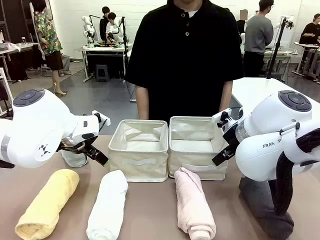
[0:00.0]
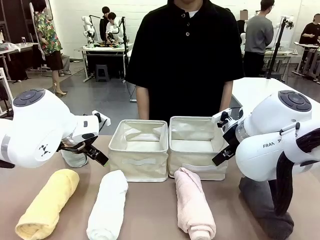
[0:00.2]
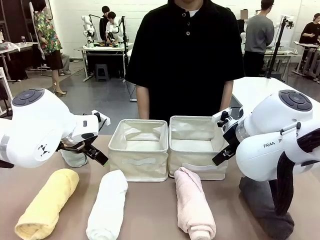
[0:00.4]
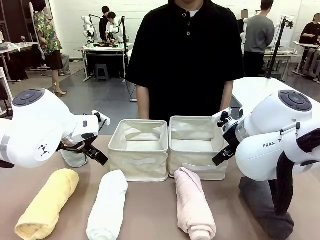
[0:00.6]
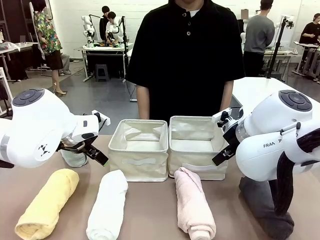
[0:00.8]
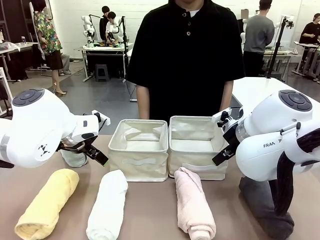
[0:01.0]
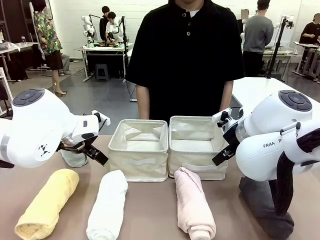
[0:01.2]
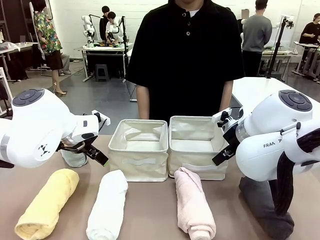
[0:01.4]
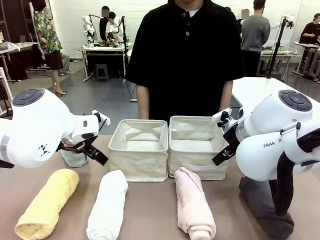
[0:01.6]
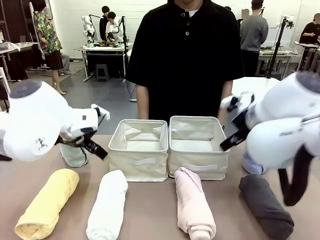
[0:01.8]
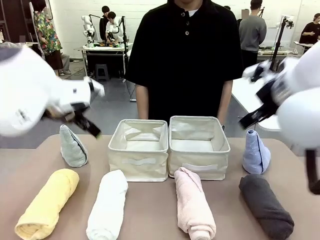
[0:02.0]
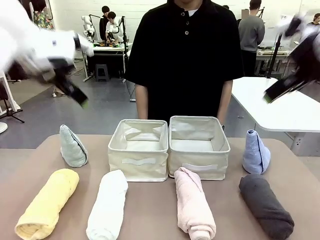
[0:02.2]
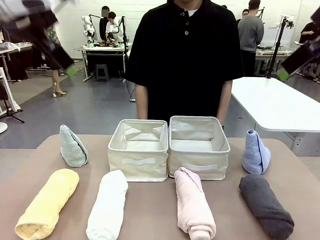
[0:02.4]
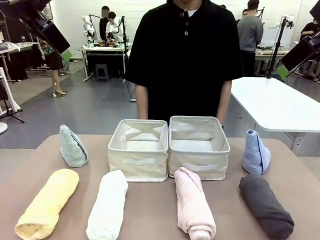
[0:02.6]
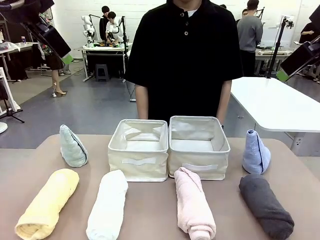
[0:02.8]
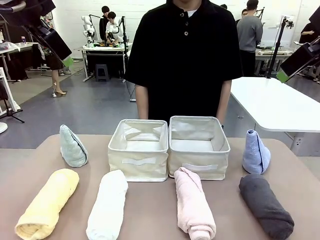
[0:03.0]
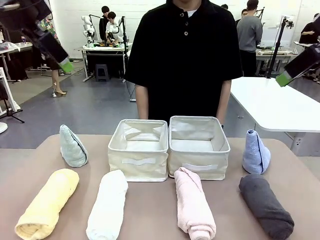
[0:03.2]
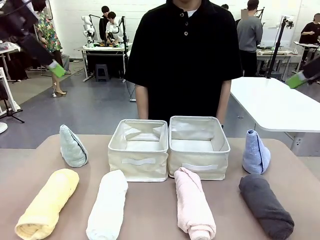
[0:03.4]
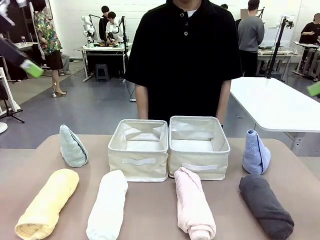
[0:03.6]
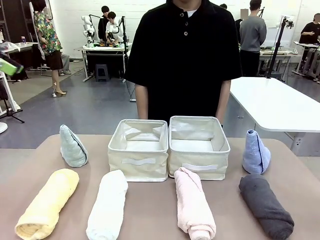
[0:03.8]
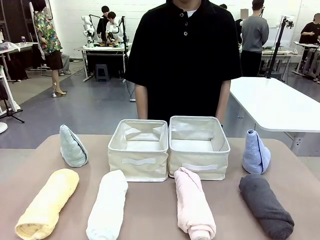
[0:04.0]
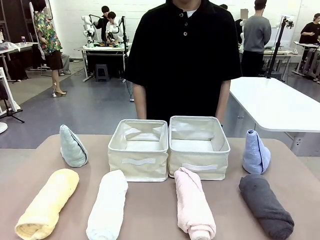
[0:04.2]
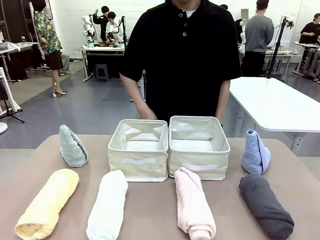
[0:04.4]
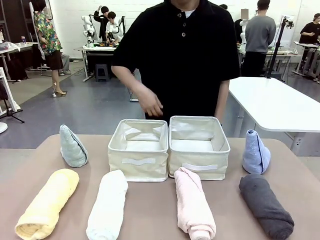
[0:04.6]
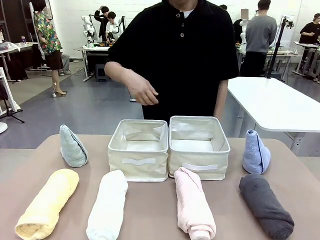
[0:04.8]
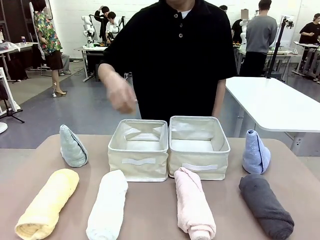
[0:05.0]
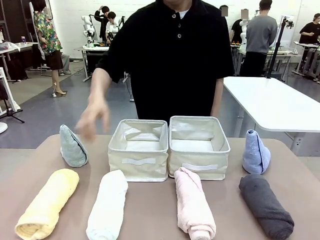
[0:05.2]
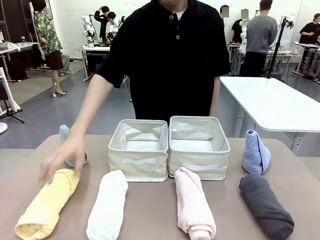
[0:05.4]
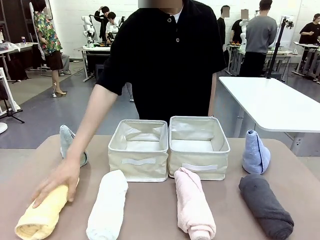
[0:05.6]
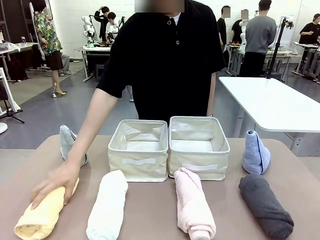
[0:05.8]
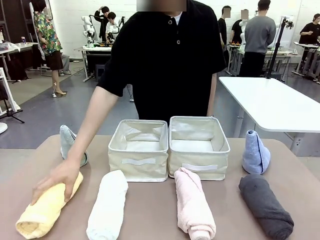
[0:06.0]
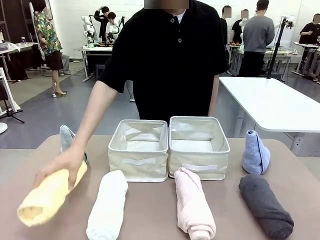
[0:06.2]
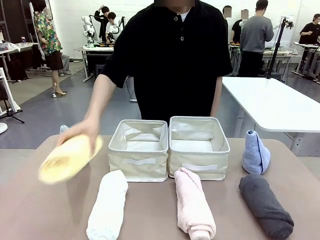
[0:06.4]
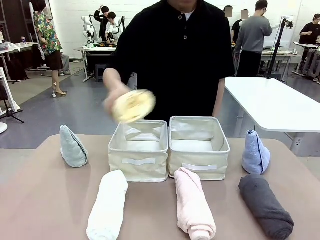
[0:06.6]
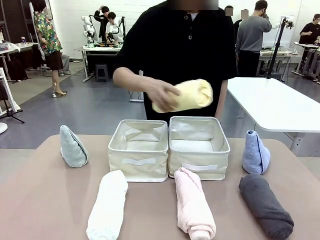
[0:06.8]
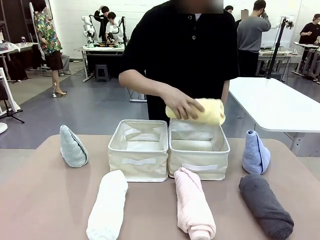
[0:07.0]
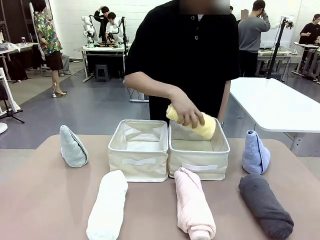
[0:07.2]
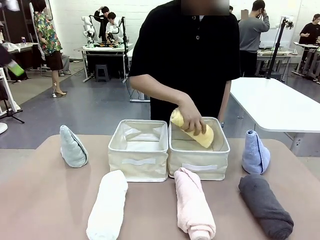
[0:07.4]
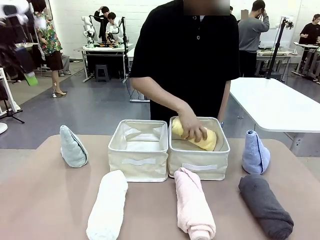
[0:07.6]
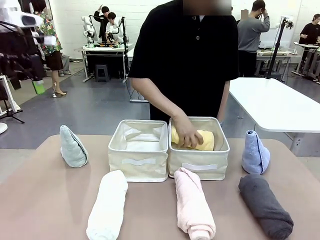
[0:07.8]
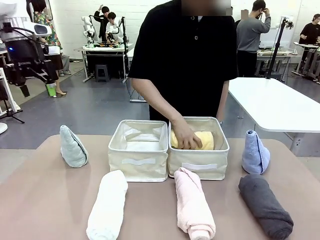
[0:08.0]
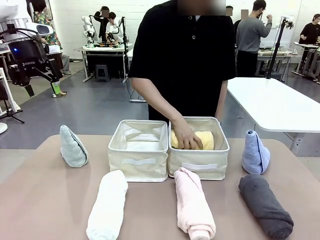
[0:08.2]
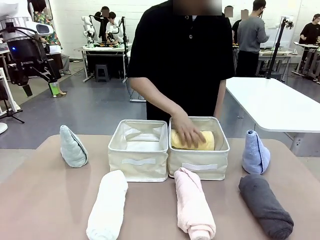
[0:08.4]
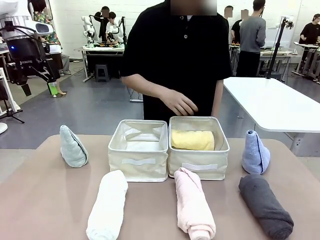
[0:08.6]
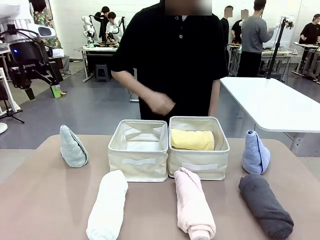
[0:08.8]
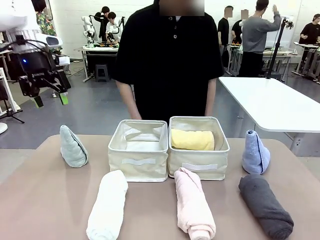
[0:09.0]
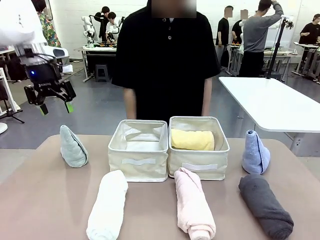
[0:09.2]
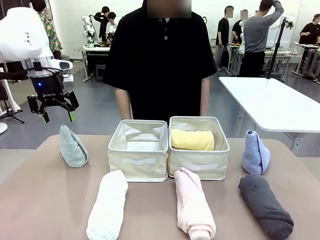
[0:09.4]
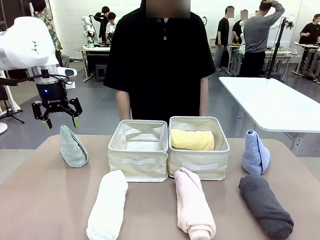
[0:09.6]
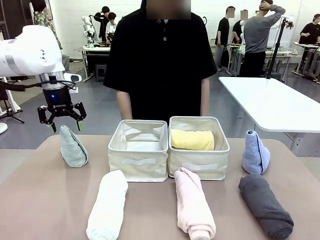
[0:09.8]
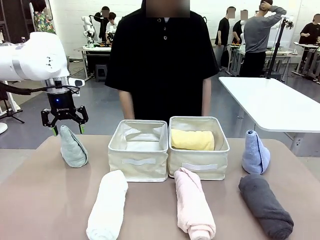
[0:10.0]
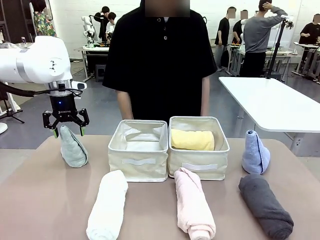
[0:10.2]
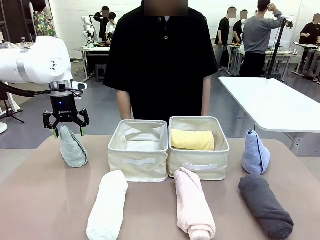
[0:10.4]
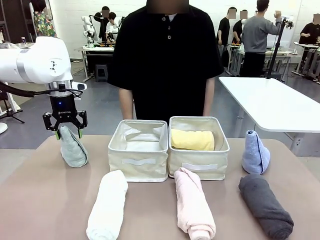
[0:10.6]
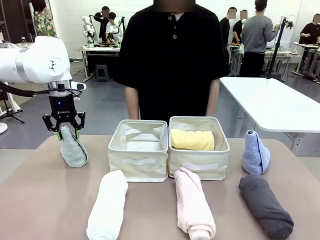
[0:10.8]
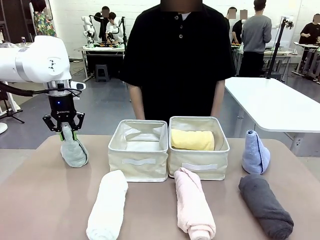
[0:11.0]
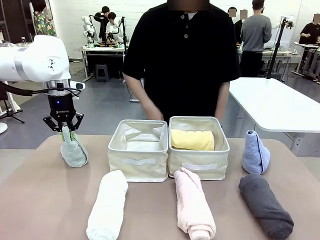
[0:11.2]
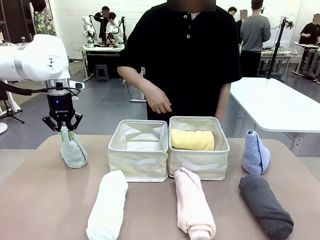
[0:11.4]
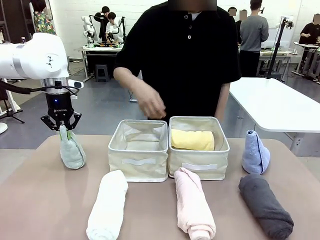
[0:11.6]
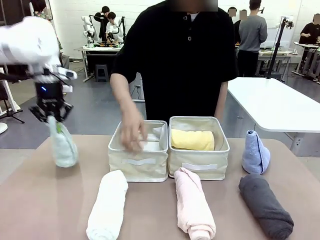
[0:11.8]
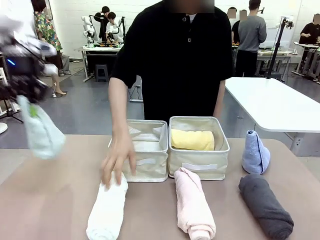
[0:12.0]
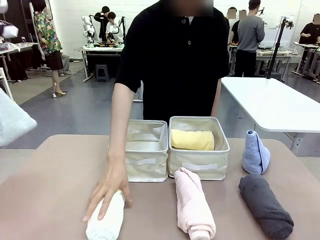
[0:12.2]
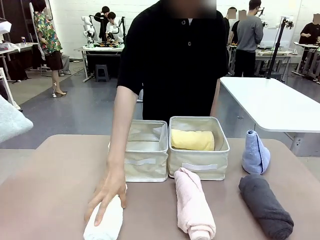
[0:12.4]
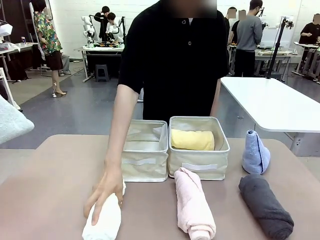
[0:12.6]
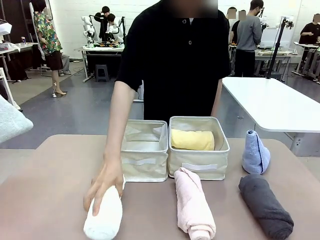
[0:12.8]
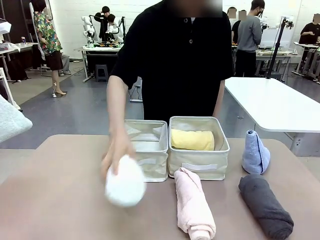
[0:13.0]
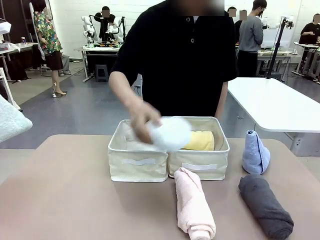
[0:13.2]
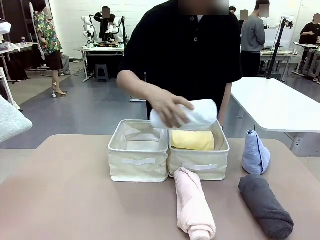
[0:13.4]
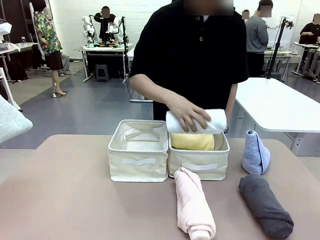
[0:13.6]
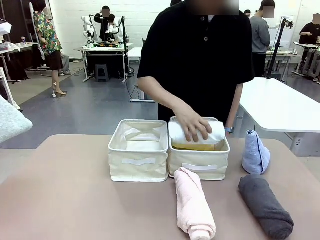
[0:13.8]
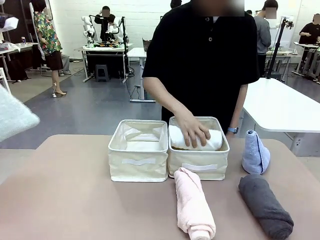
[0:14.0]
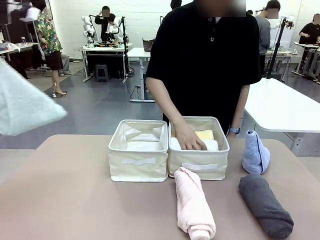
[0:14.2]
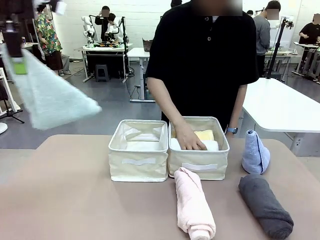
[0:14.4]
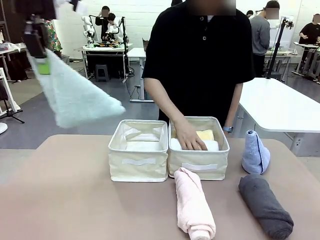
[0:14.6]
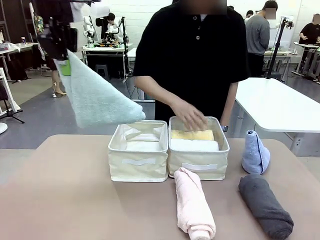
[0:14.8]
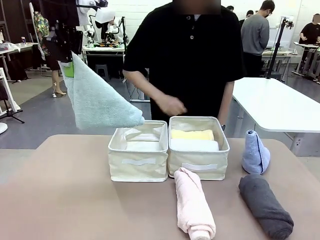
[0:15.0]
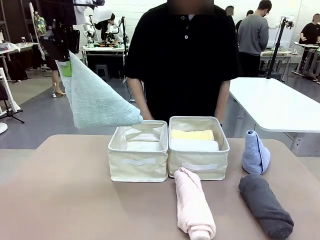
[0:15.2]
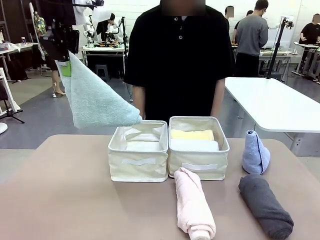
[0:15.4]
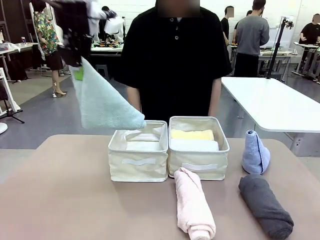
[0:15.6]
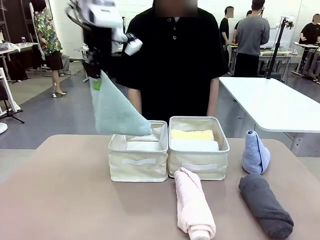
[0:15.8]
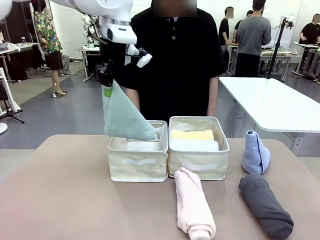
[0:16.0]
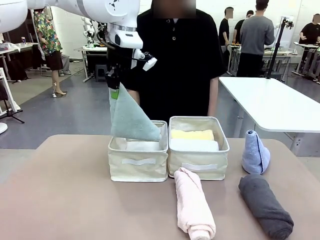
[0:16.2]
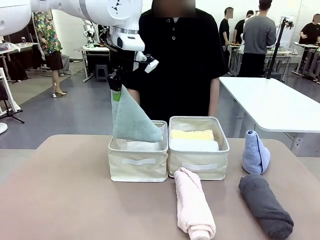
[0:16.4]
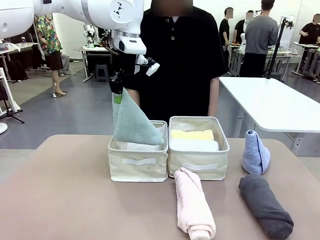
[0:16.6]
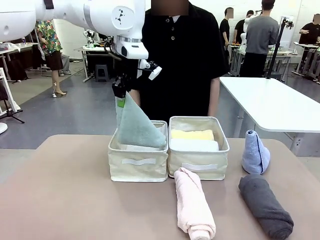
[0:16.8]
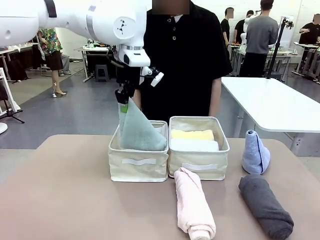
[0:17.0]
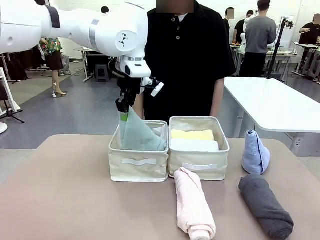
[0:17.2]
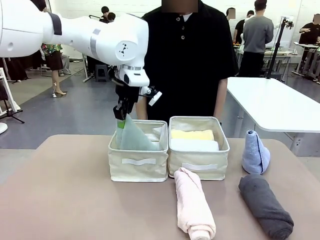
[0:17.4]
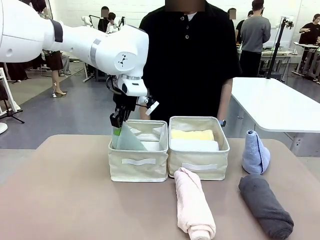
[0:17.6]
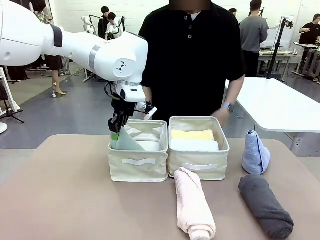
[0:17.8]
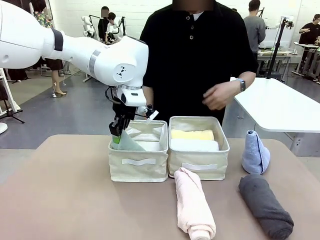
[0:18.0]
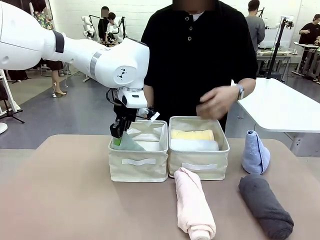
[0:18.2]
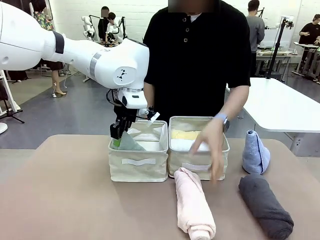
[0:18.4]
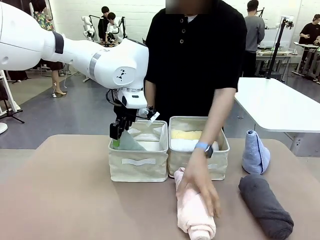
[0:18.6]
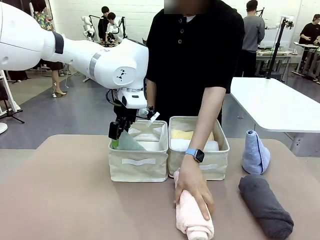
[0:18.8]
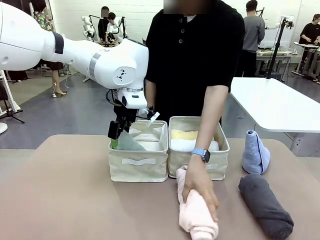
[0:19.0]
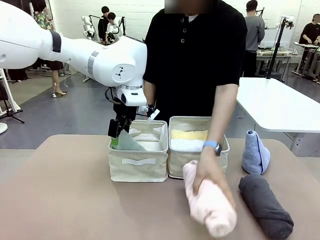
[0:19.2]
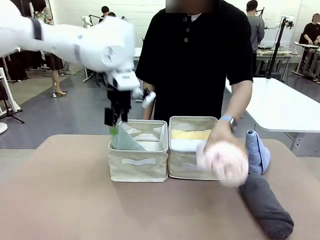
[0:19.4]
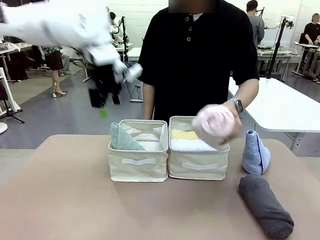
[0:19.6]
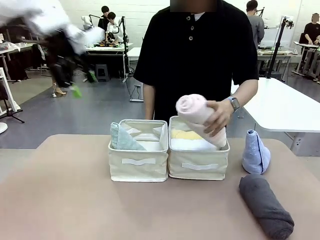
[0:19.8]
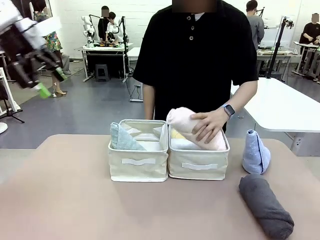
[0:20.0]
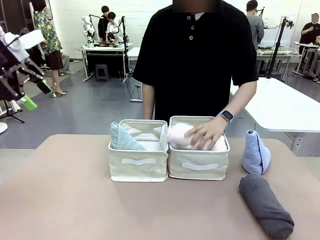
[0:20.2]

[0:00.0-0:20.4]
Task: Sort the towels based on their folding style.
Robot: Pick up one triangle-folded towel and place it in the left Fabric basket.
Person: Pick up one hotel-style rolled towel and place it in the left fabric basket.
